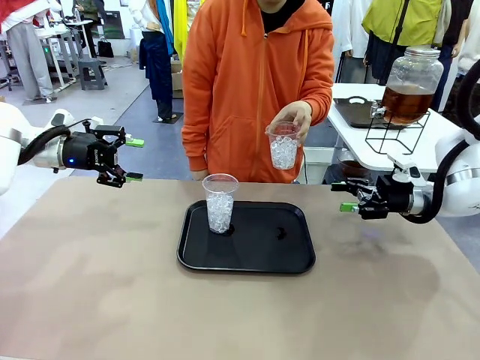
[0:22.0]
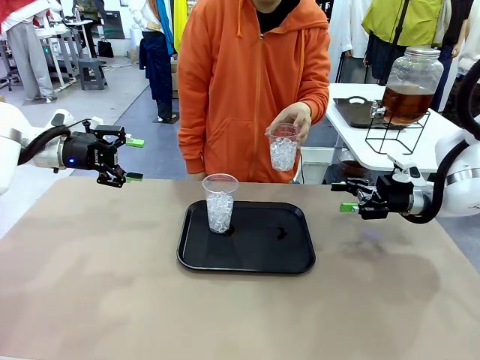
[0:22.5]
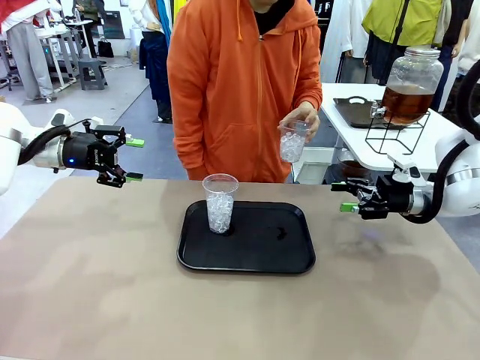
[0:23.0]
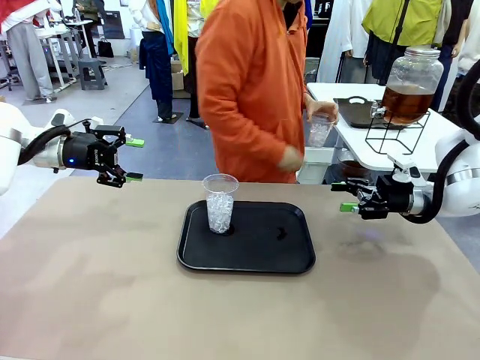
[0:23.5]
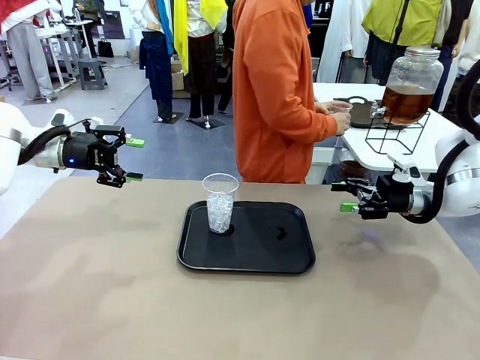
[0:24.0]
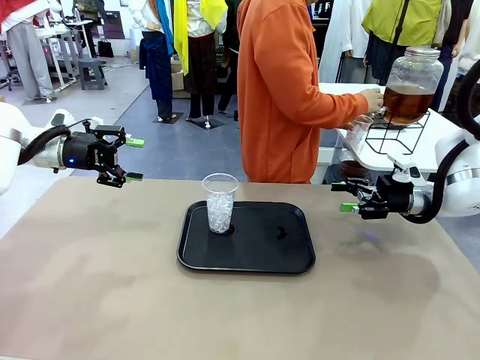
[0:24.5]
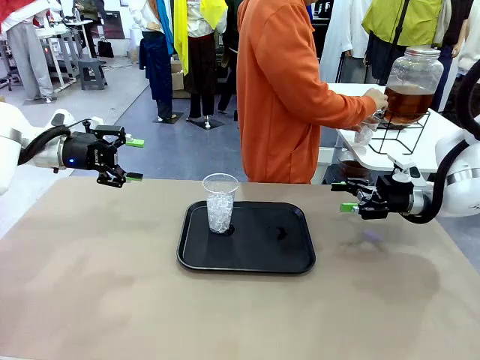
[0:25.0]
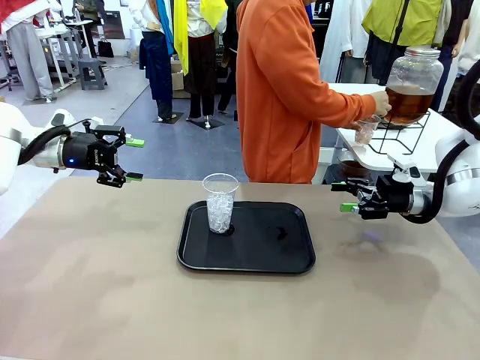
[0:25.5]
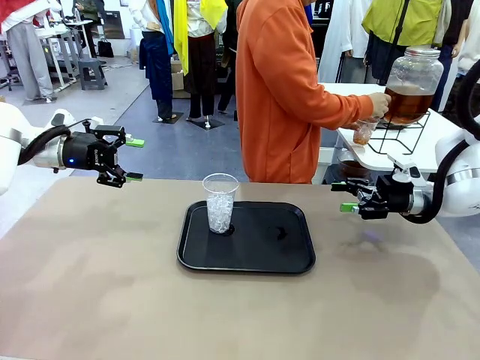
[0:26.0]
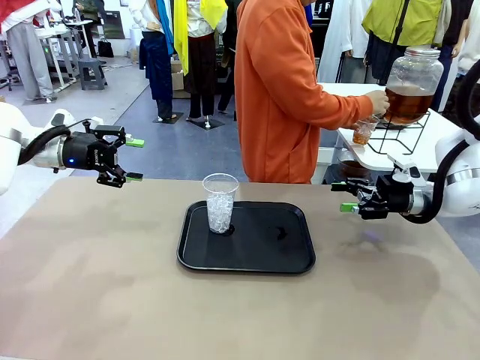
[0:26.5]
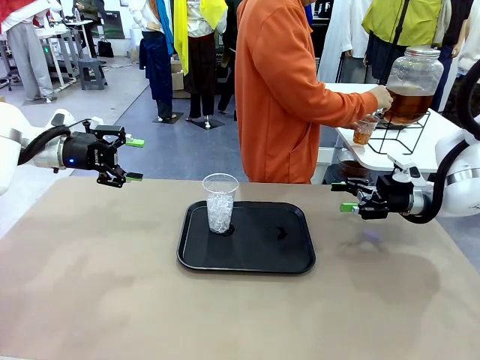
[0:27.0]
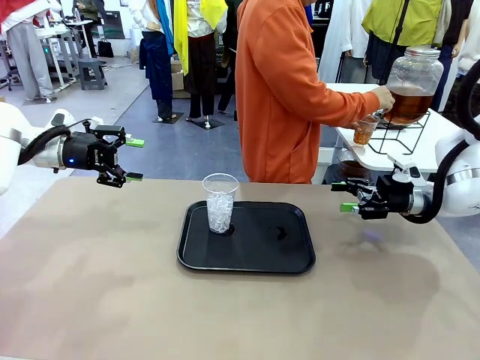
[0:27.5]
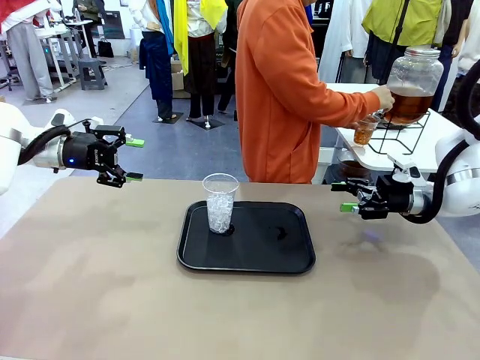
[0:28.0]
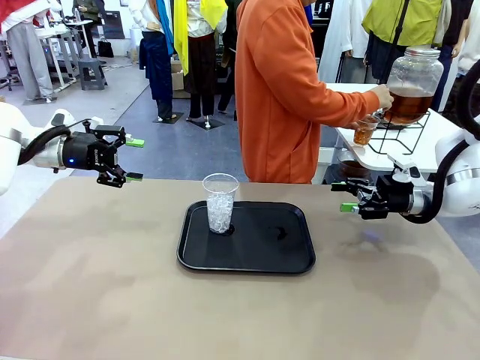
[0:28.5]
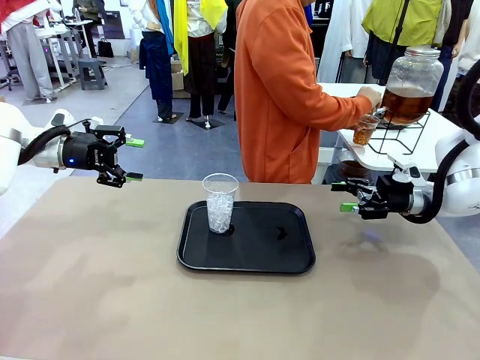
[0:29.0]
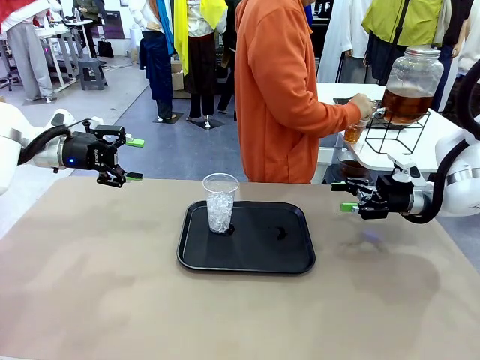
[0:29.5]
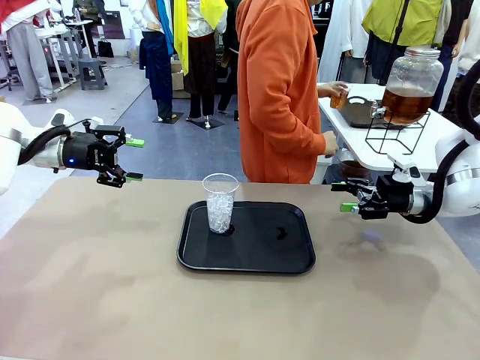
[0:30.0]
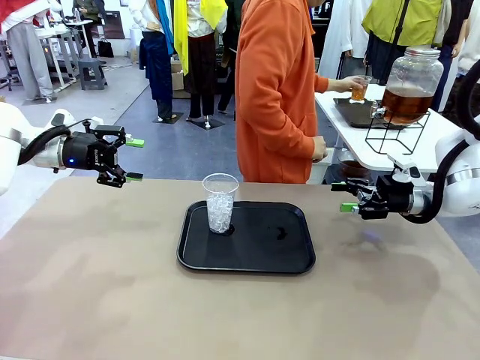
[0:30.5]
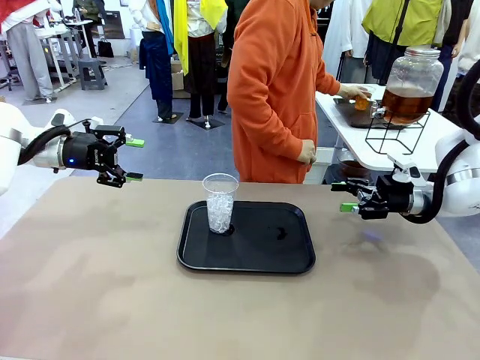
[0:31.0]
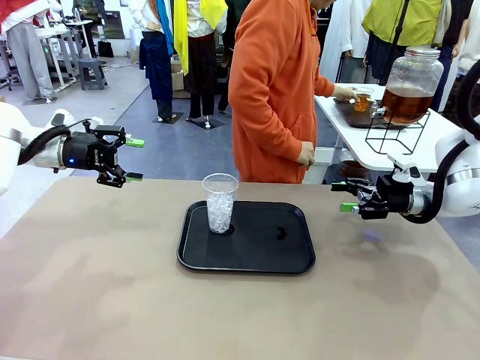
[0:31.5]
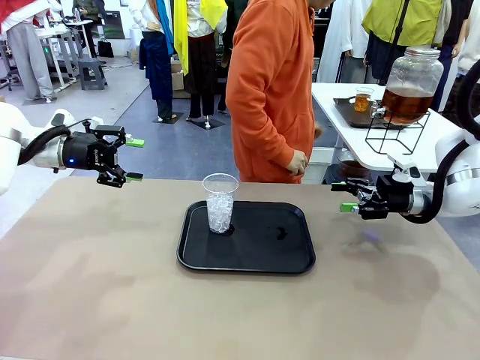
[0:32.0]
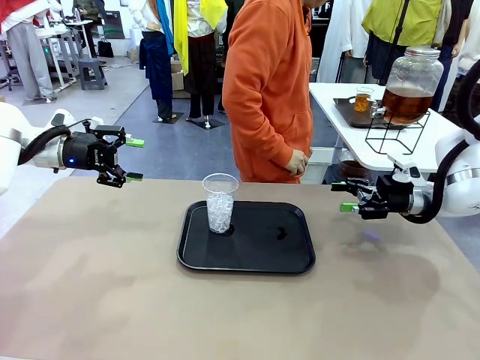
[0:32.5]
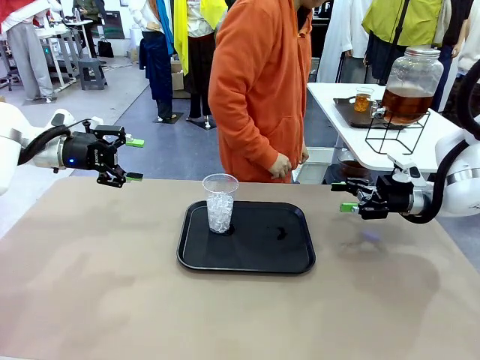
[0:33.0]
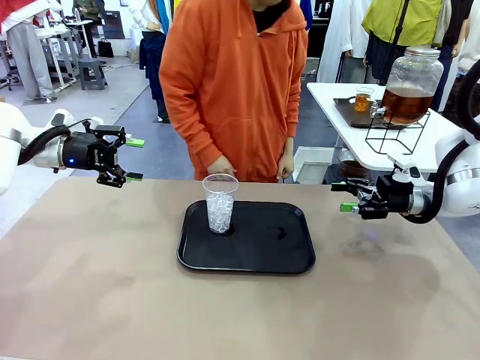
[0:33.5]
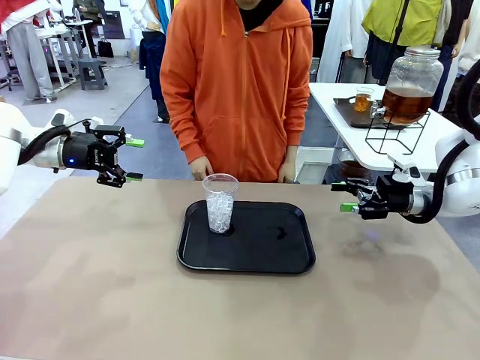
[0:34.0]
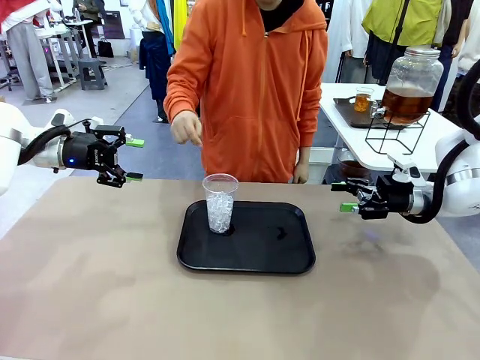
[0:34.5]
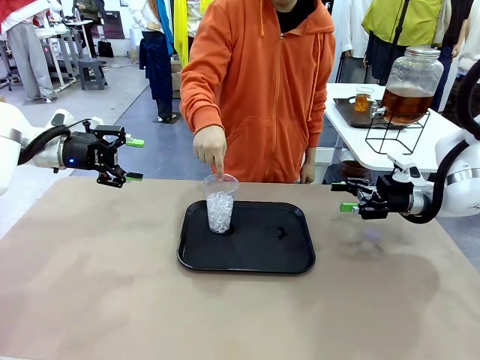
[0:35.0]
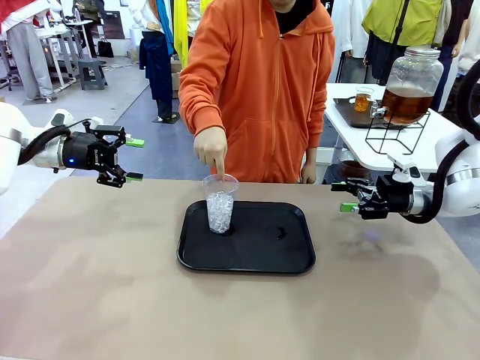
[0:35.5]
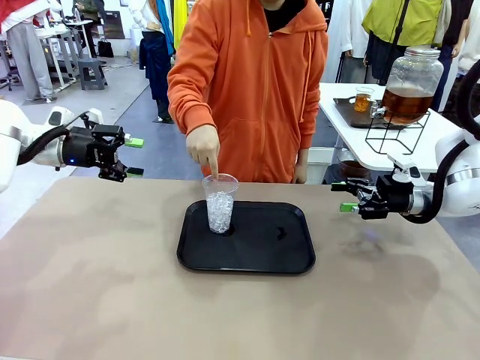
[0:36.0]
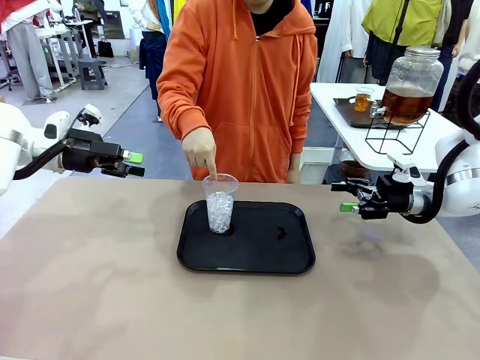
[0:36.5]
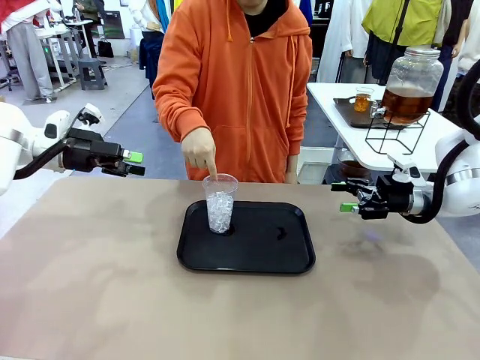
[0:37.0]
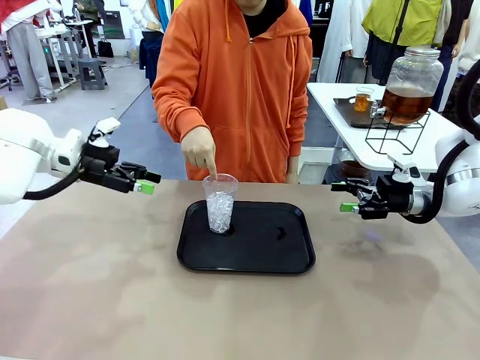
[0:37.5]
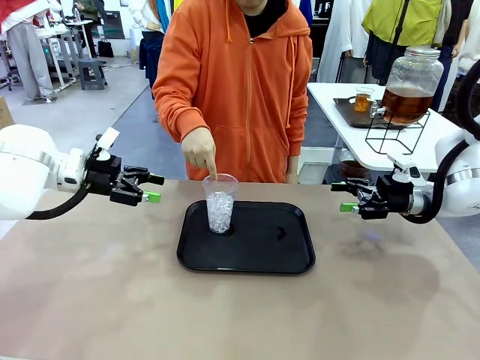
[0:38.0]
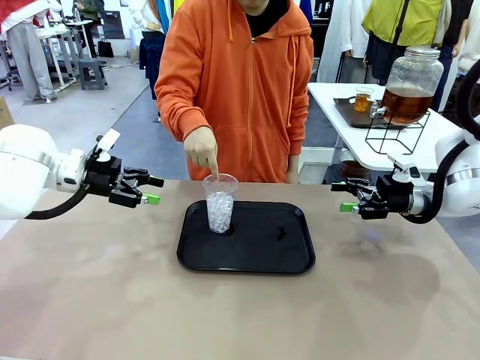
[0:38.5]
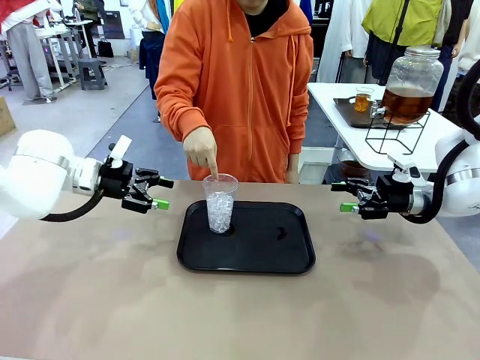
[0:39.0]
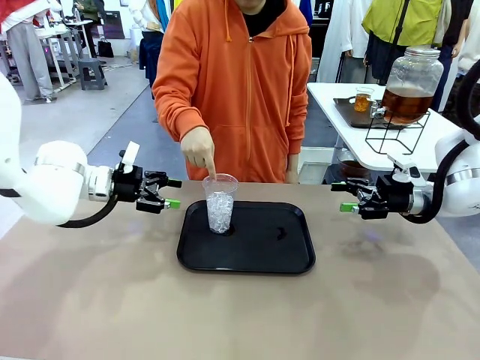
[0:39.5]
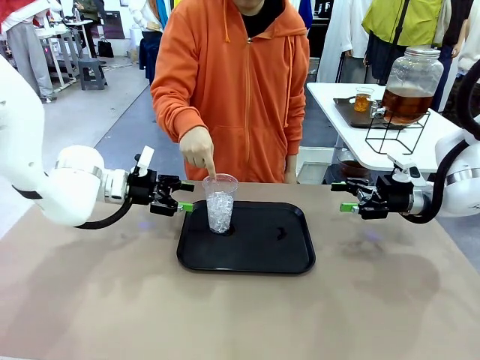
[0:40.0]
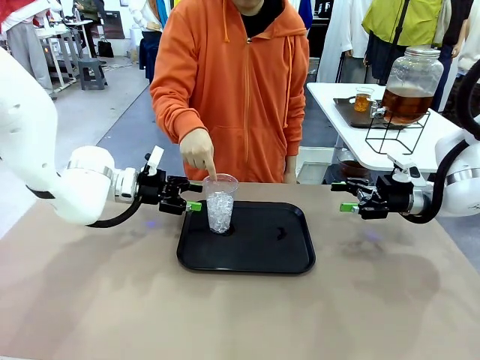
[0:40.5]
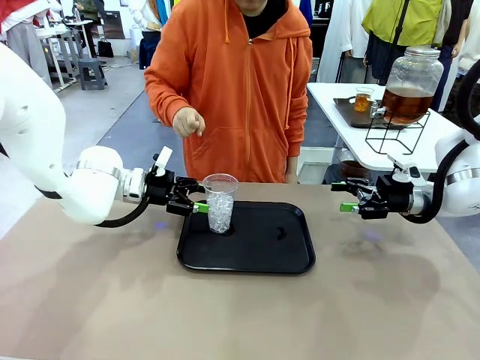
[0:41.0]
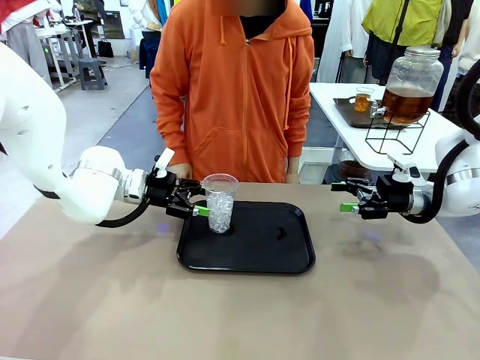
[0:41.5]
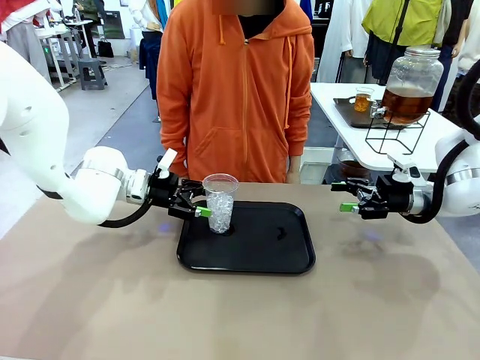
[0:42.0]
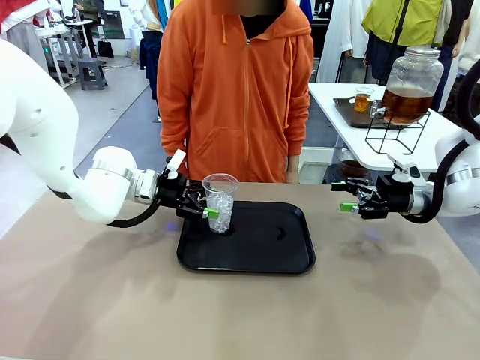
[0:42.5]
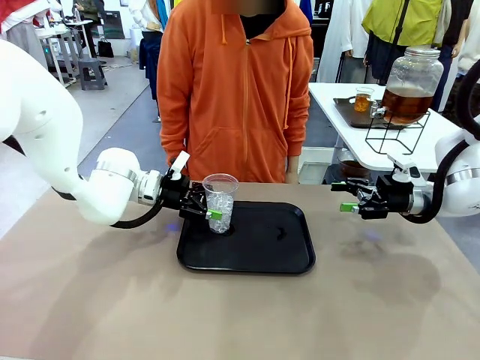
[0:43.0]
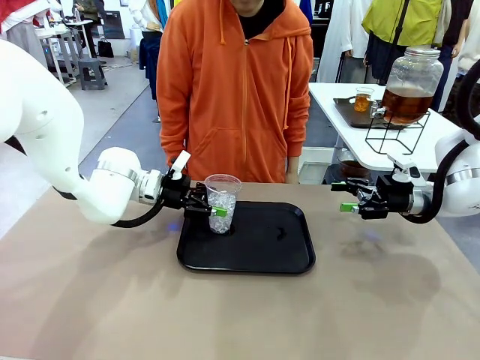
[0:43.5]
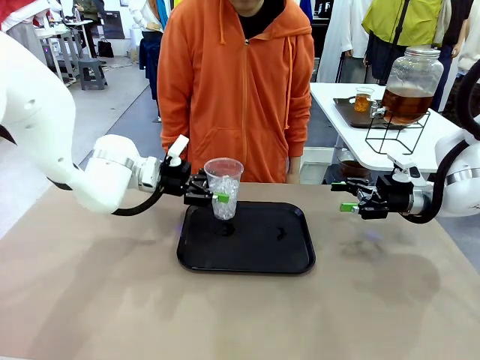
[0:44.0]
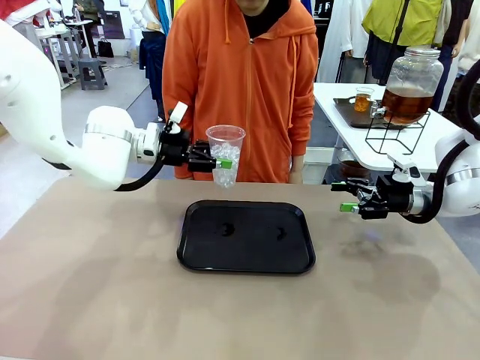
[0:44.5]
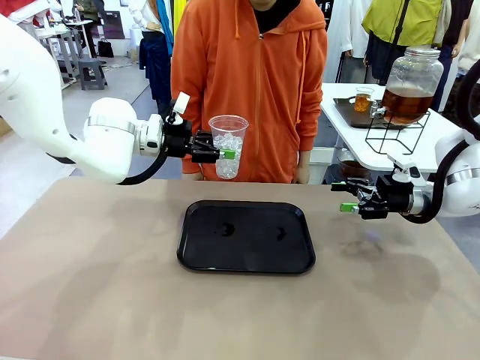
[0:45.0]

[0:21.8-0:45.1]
Task: Pour the drink into the iced cup.
Robot: Pick up the iced cup indicated by the human and present it to them.
Person: Move the picked-up cup under the dispenser faucet, pour the drink, and place it on the tray on the human table. Point to the remaining ice cup on the robot table. Pick up the cup offered by the robot.
